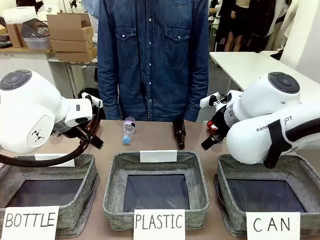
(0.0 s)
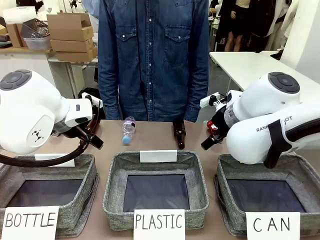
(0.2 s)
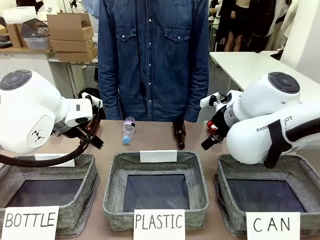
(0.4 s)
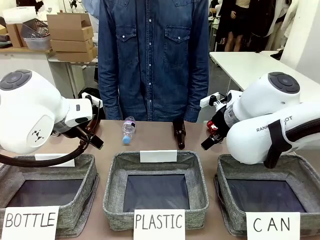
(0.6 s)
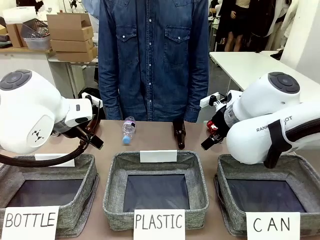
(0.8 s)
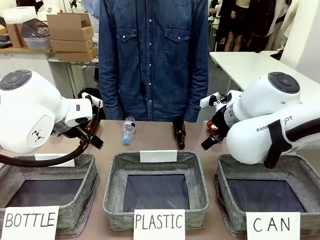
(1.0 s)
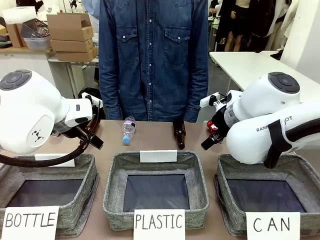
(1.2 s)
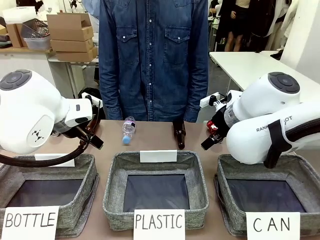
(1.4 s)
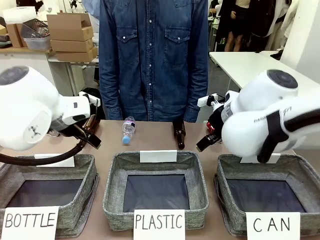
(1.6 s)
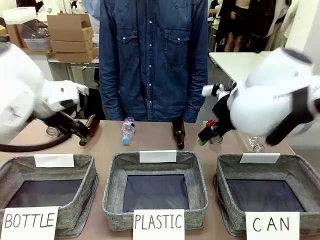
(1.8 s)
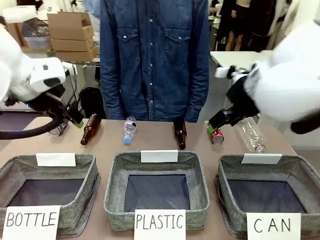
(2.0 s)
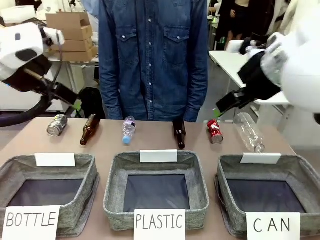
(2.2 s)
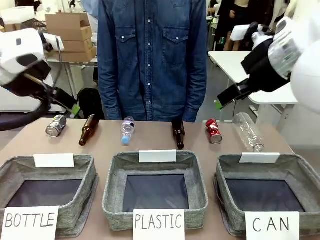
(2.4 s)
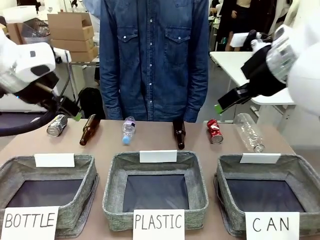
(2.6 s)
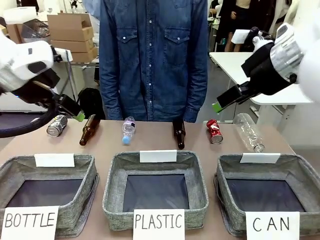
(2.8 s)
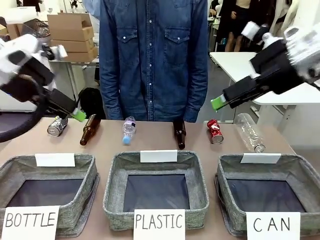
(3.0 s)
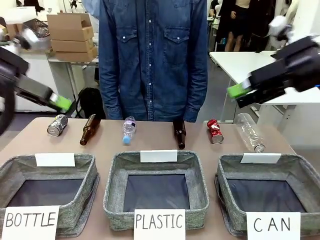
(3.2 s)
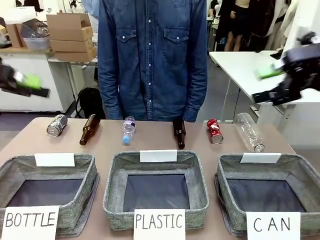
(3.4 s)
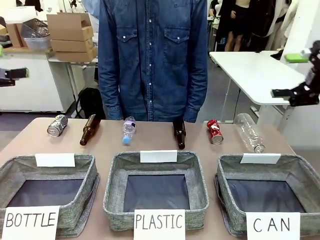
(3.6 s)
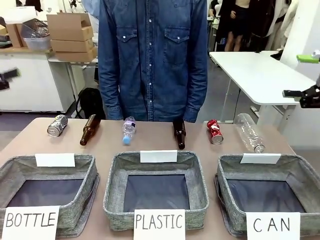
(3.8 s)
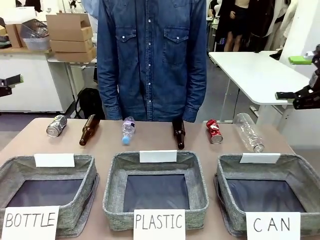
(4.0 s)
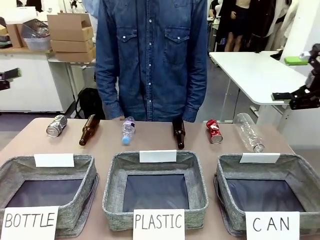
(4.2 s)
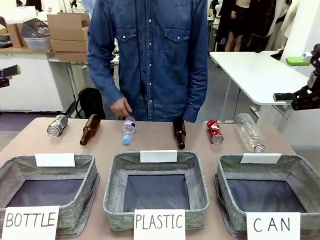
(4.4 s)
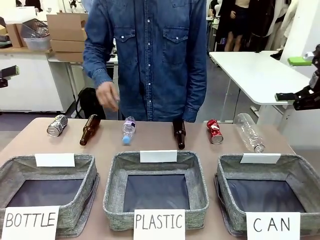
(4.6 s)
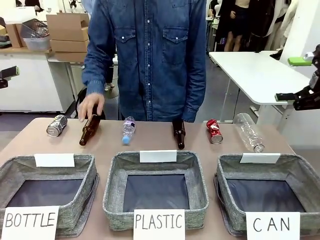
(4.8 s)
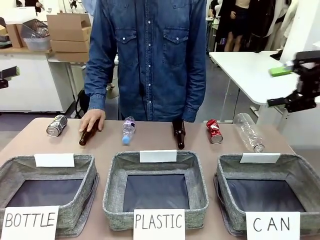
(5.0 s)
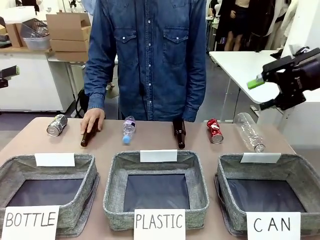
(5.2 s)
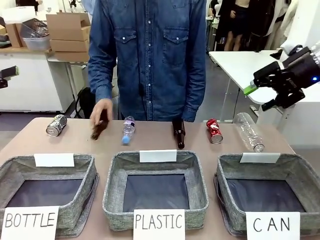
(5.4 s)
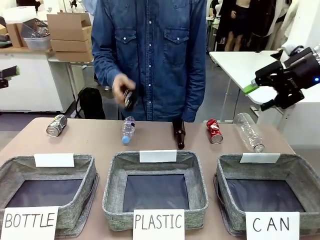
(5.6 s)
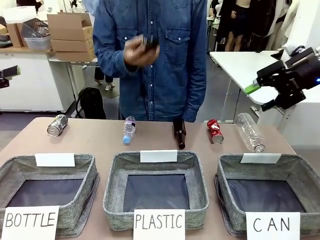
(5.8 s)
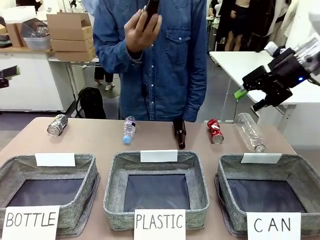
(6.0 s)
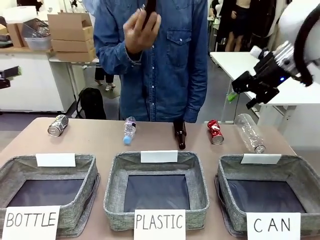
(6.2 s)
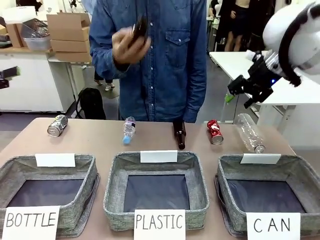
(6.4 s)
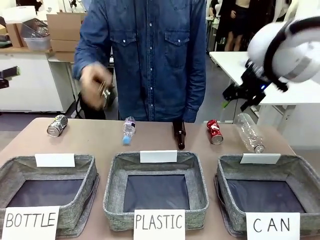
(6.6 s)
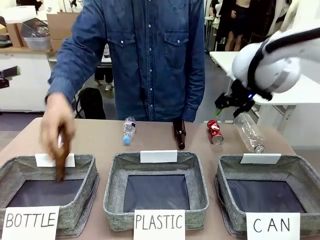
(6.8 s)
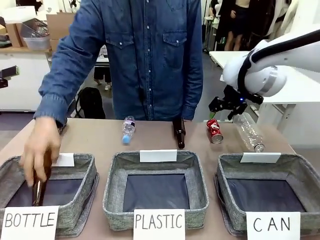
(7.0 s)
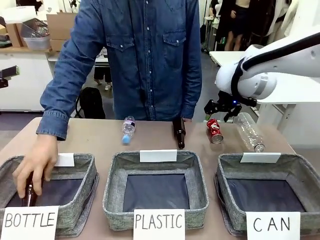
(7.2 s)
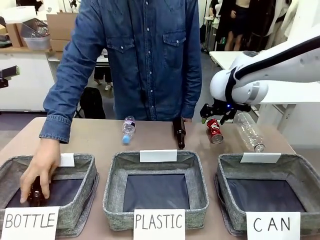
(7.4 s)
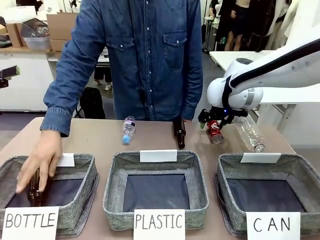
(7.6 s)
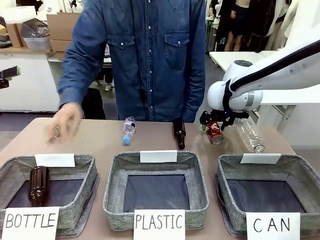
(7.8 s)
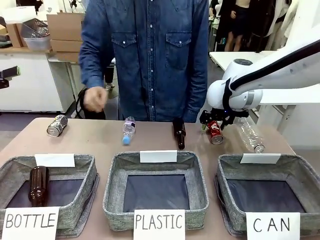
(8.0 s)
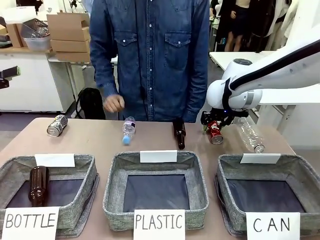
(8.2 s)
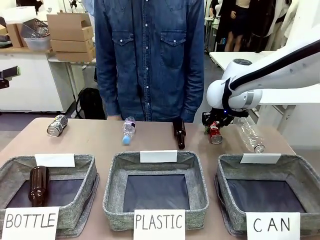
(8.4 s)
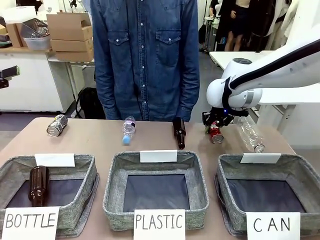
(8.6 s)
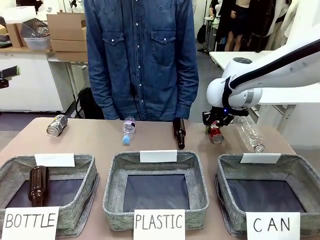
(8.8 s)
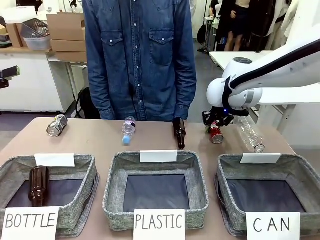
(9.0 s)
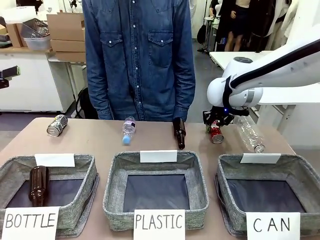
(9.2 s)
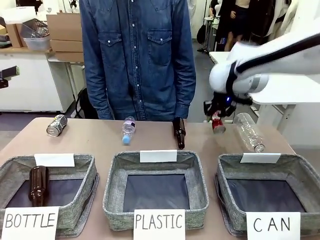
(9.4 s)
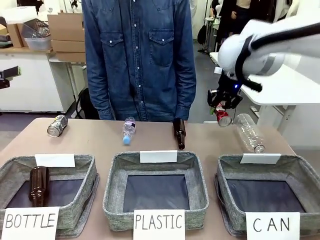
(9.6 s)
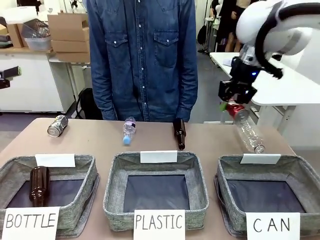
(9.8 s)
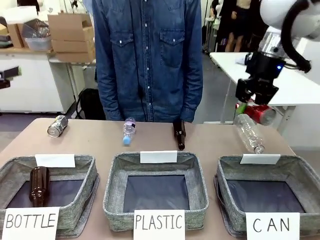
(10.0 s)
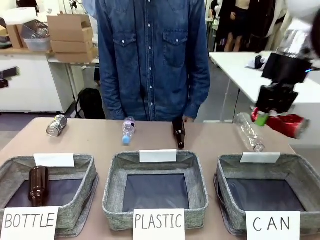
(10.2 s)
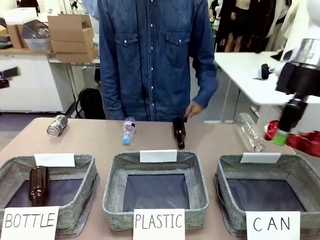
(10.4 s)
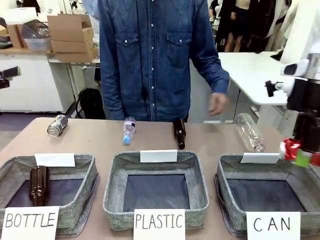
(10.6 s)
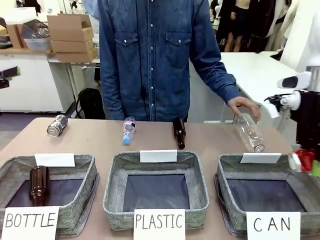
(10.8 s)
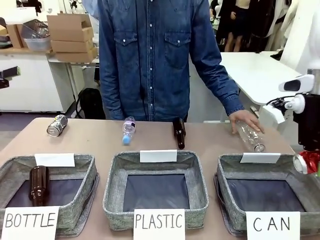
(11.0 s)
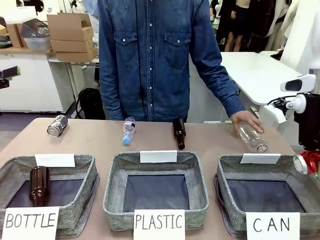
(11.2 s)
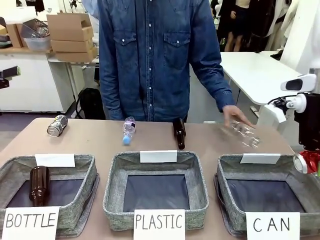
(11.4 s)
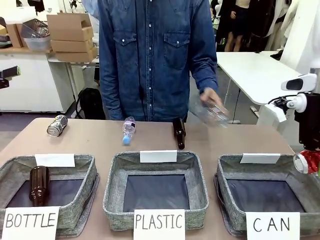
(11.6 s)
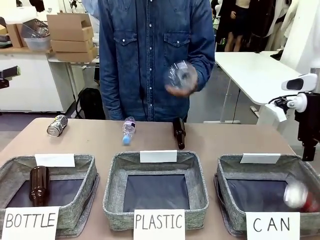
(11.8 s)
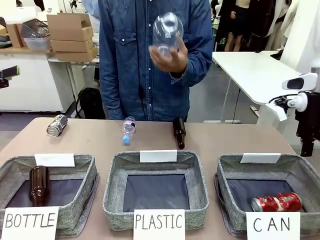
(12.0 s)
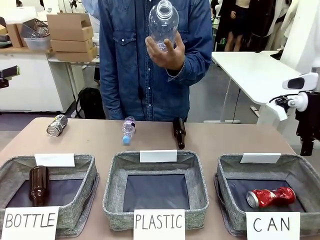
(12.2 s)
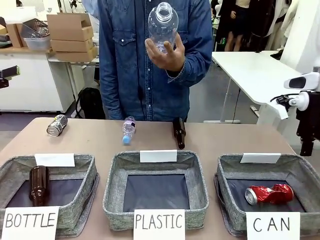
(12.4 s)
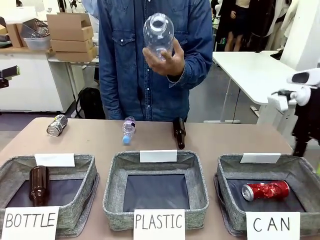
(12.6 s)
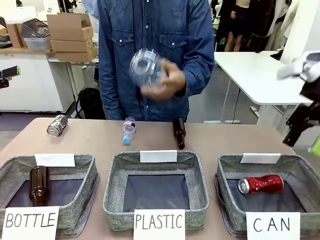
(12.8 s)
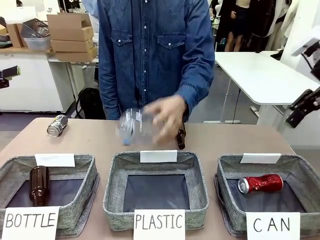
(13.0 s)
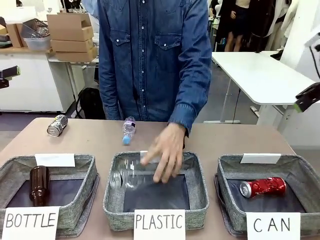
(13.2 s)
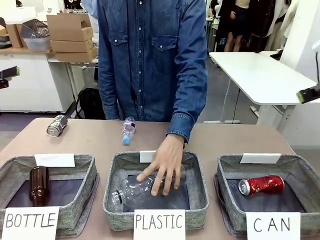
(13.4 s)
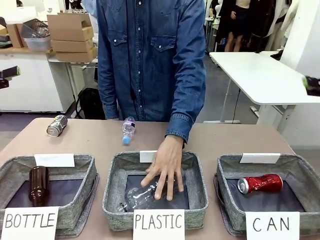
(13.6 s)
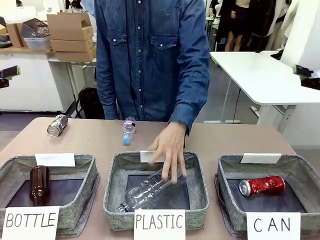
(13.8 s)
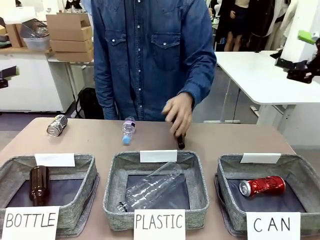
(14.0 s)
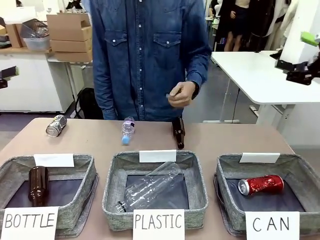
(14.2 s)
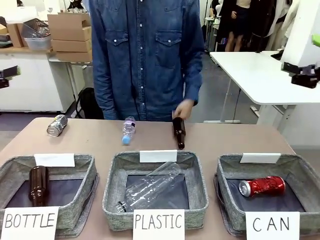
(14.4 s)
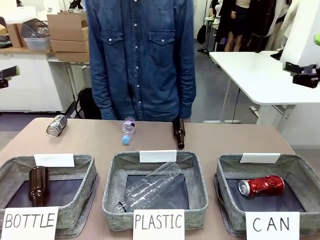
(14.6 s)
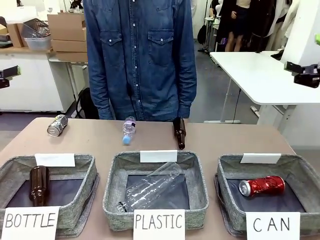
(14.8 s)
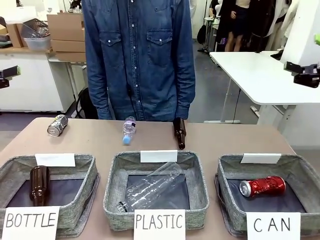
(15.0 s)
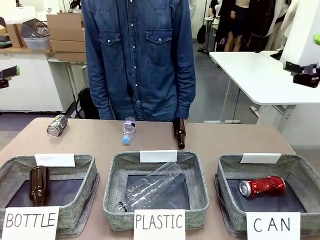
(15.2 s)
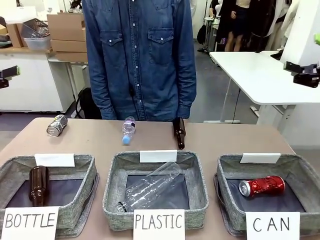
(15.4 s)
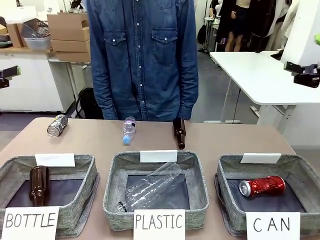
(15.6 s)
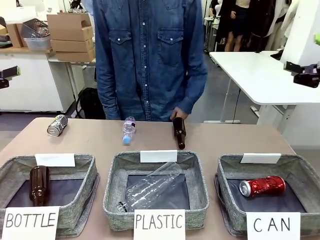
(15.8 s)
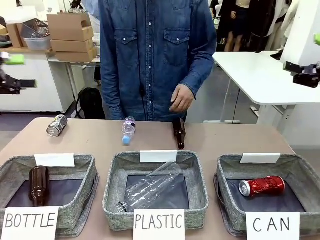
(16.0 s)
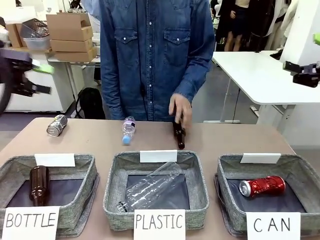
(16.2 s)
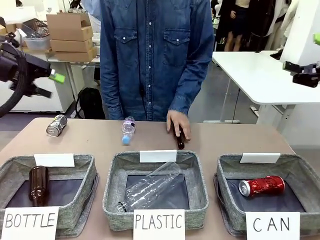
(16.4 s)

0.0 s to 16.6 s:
Task: Sort the can waste into the basket.
Robot: Pick up the can waste from the table and place it in the right Fabric basket.
